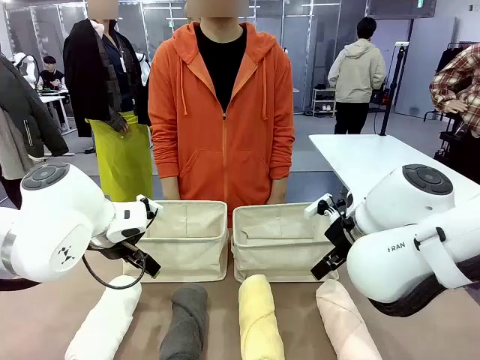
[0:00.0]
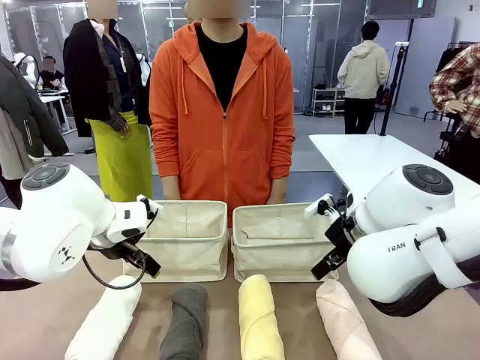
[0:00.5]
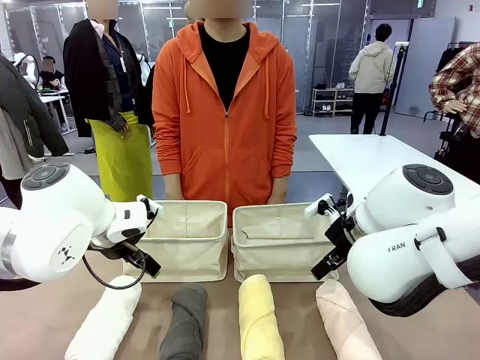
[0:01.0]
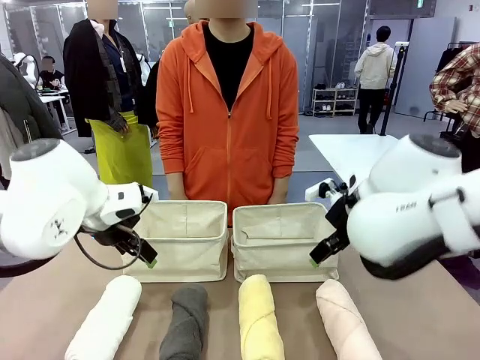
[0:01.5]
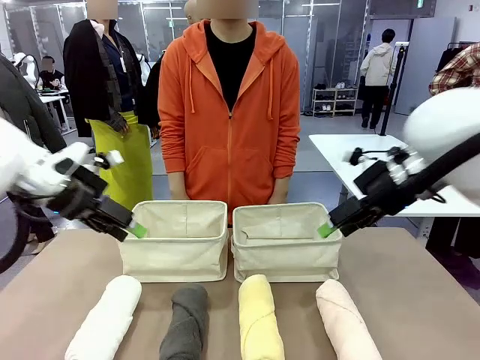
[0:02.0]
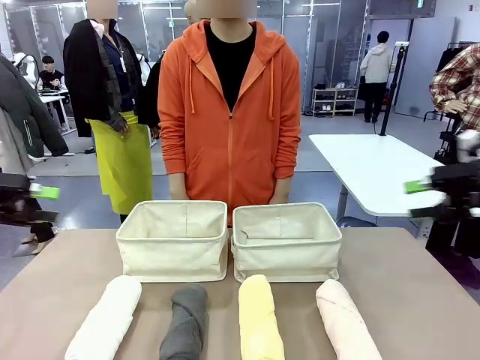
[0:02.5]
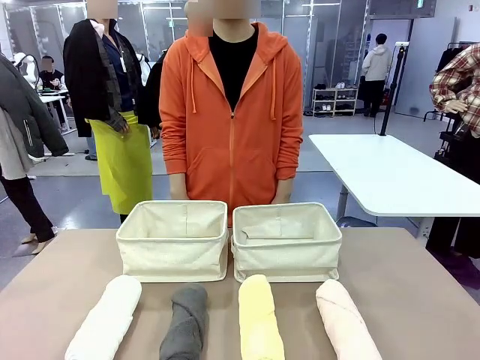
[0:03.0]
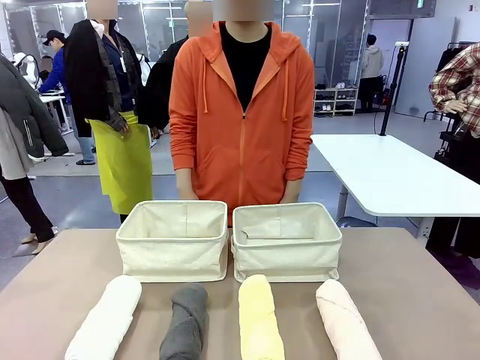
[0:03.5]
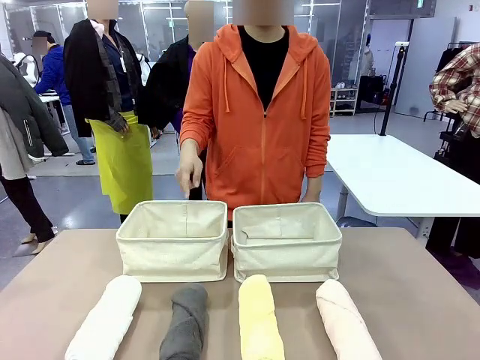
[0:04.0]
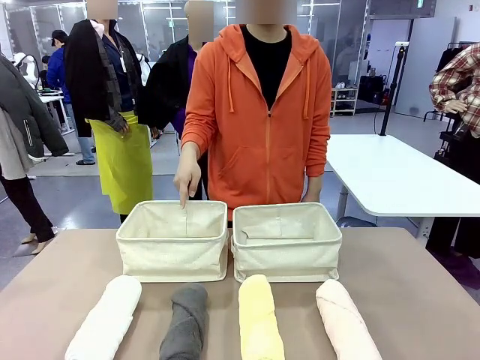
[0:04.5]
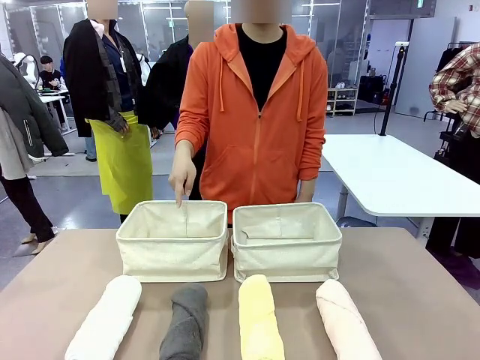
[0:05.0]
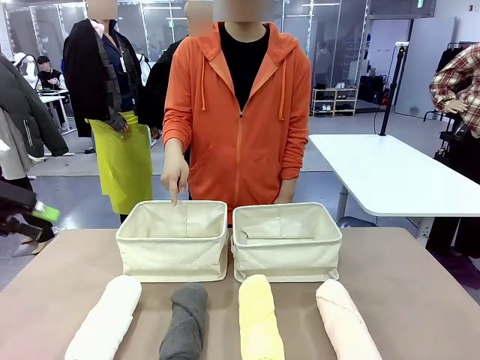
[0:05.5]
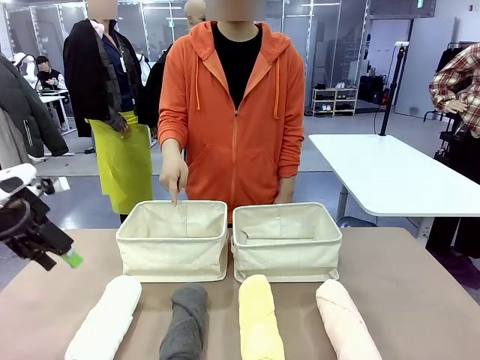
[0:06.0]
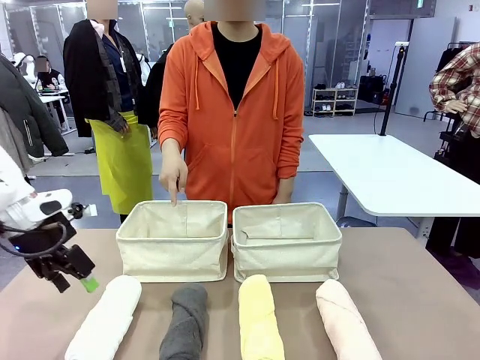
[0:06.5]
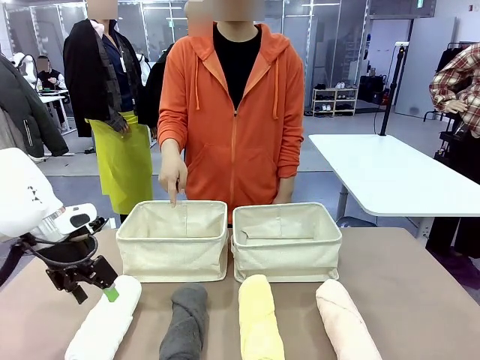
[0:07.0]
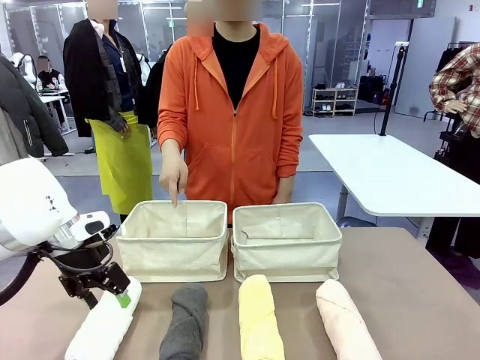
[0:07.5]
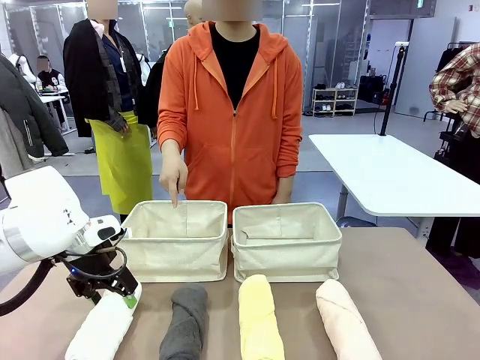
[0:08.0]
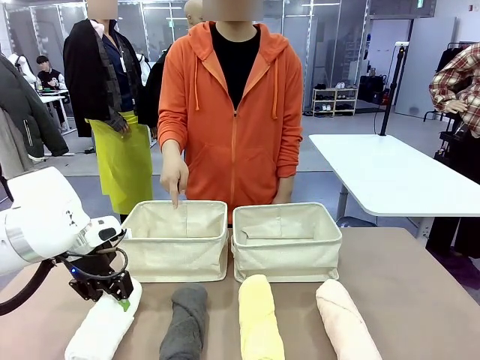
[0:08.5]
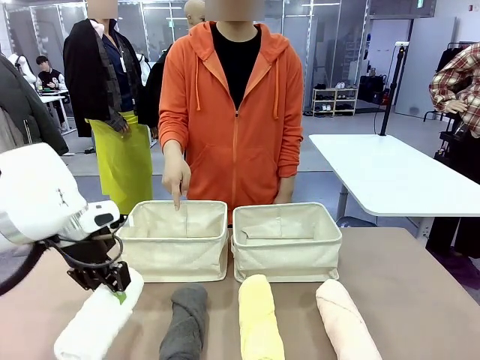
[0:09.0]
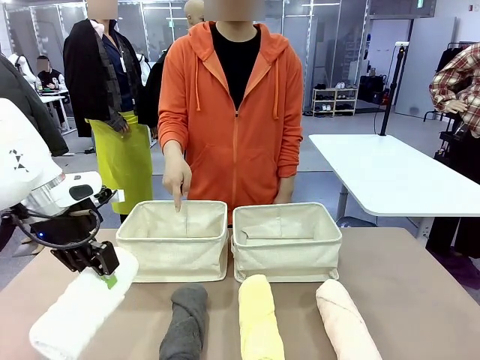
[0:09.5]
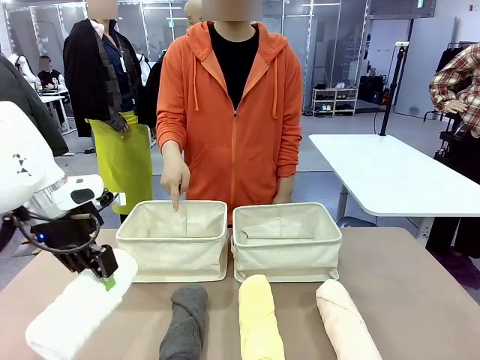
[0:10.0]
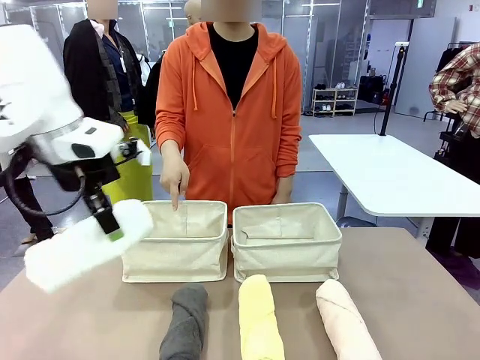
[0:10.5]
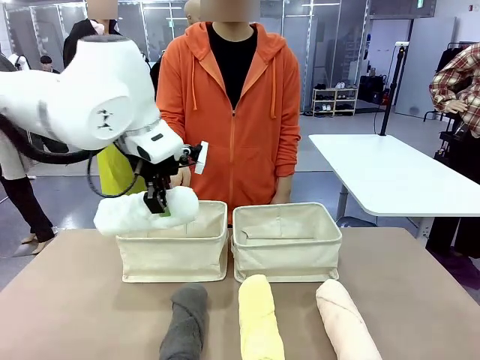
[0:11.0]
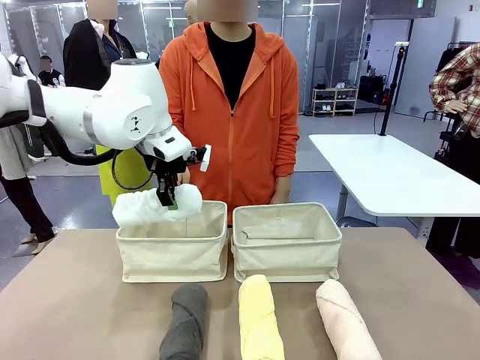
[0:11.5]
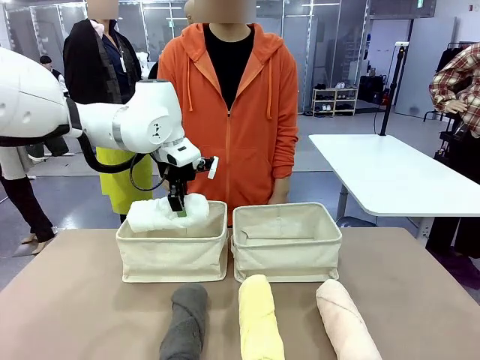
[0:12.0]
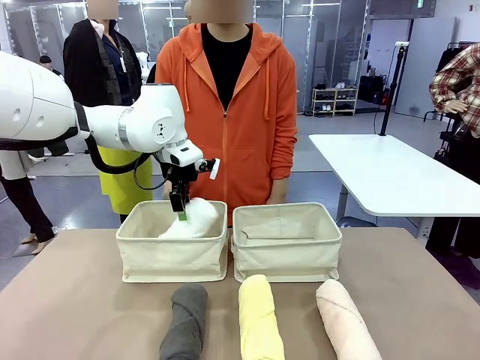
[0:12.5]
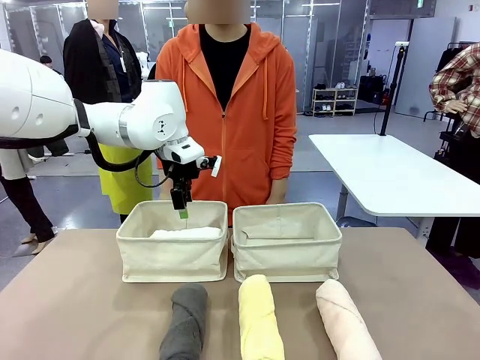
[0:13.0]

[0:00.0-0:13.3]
Task: Divide the towels into two baskets.
Robot: Pick up one hotel-folded towel and place it in the Fabric basket indicated by the person.

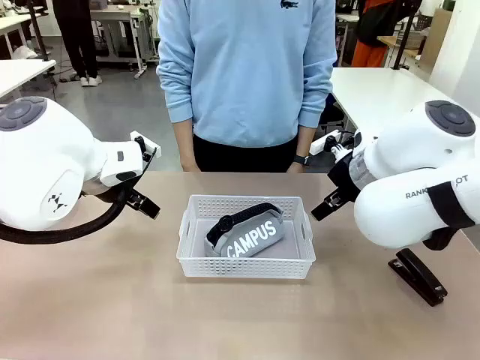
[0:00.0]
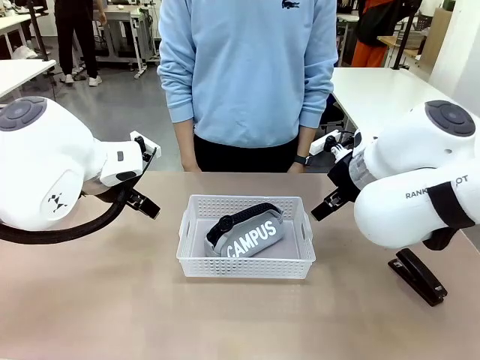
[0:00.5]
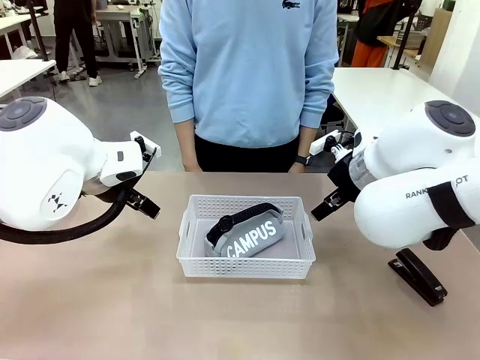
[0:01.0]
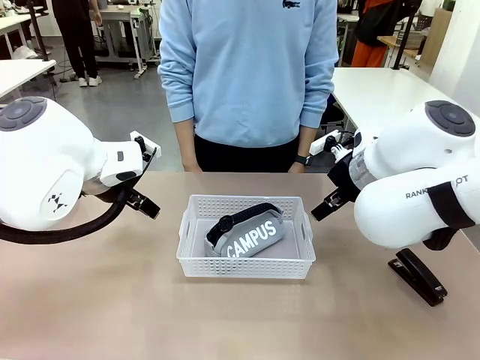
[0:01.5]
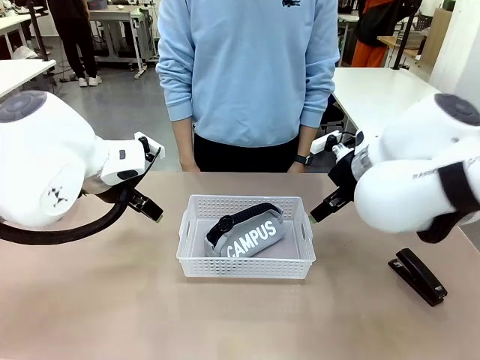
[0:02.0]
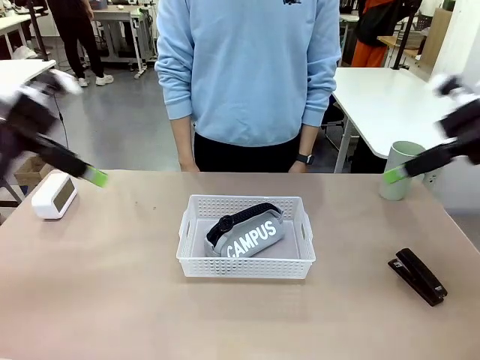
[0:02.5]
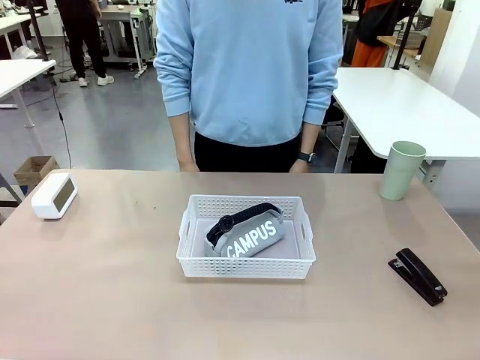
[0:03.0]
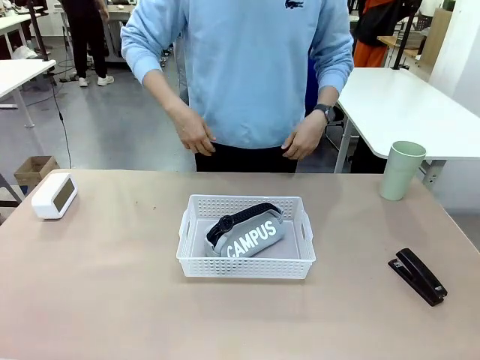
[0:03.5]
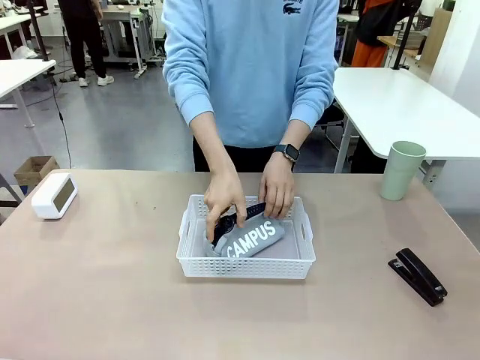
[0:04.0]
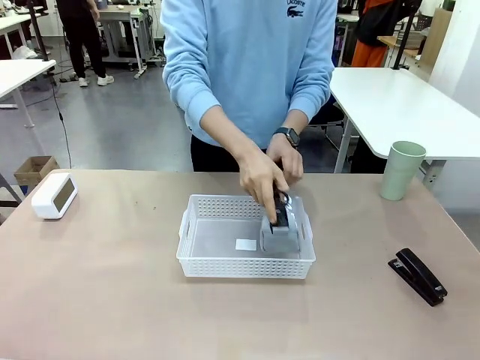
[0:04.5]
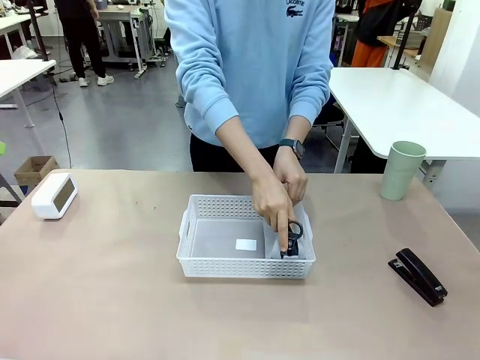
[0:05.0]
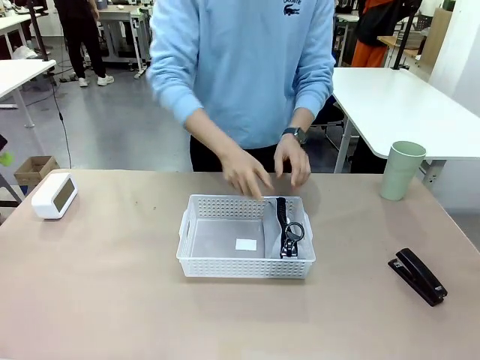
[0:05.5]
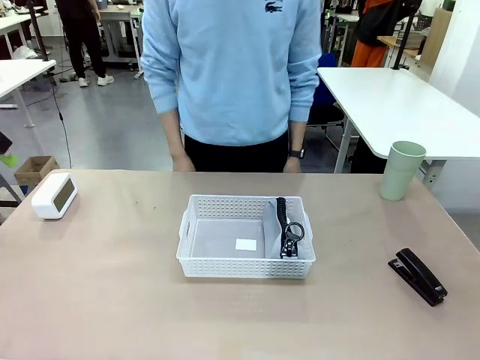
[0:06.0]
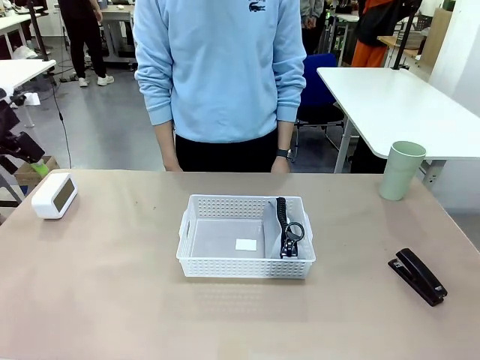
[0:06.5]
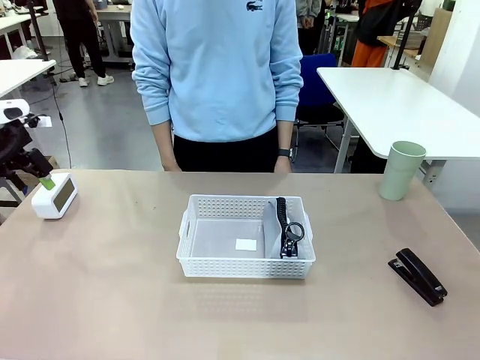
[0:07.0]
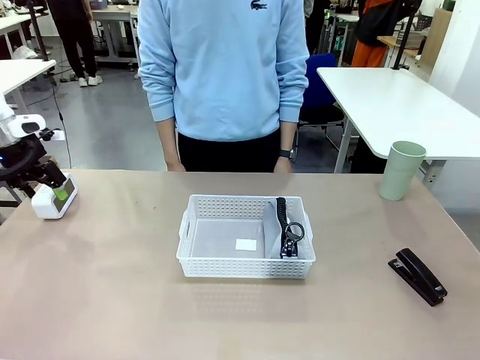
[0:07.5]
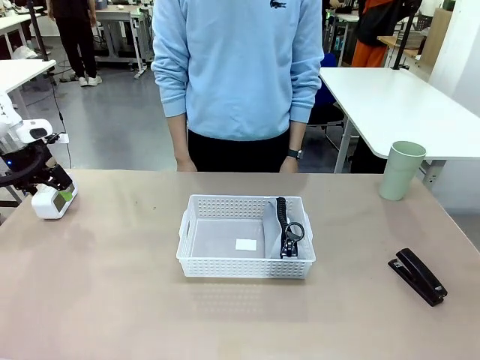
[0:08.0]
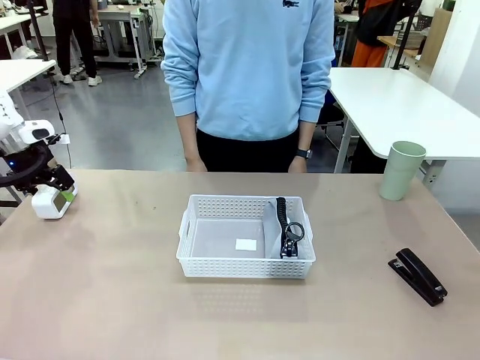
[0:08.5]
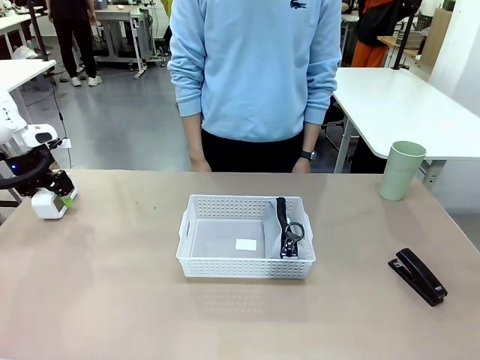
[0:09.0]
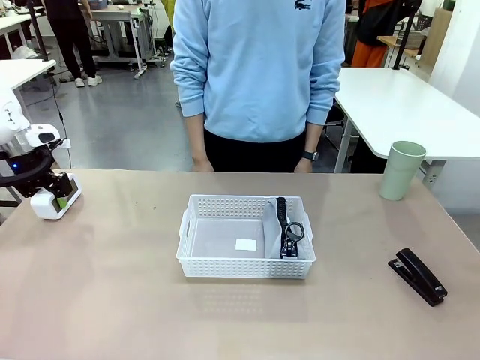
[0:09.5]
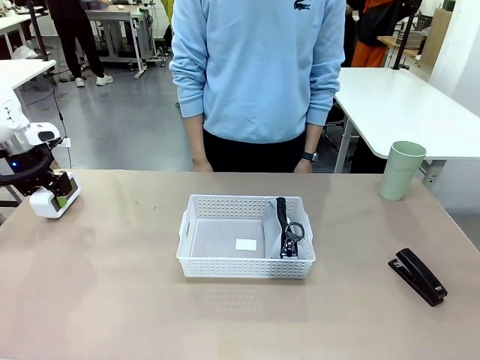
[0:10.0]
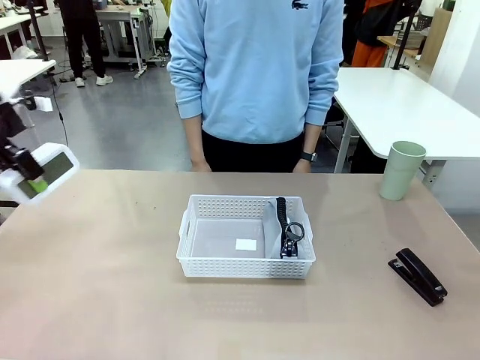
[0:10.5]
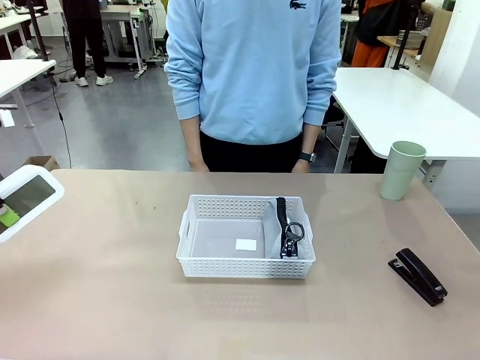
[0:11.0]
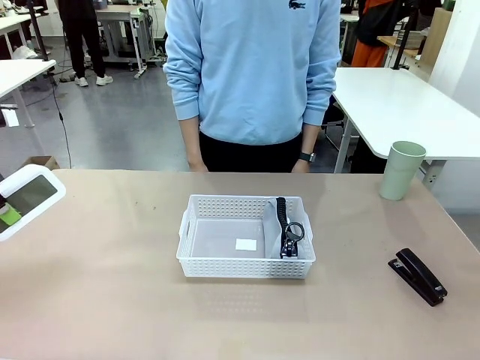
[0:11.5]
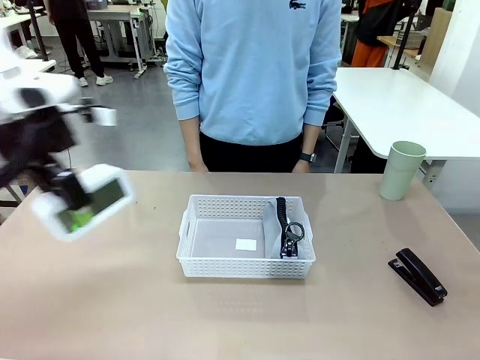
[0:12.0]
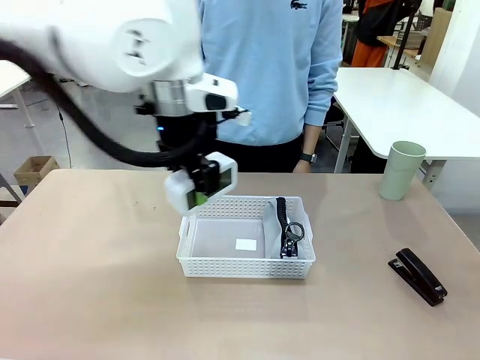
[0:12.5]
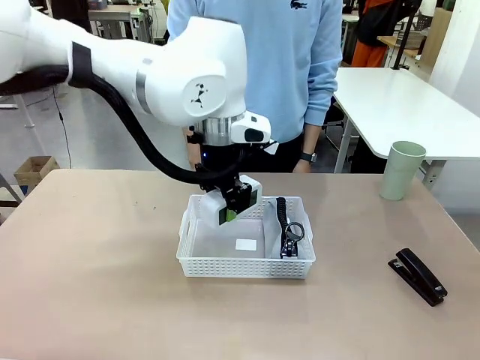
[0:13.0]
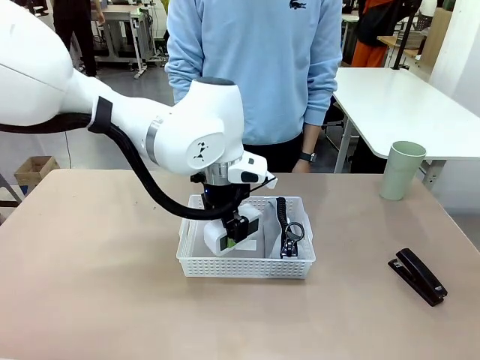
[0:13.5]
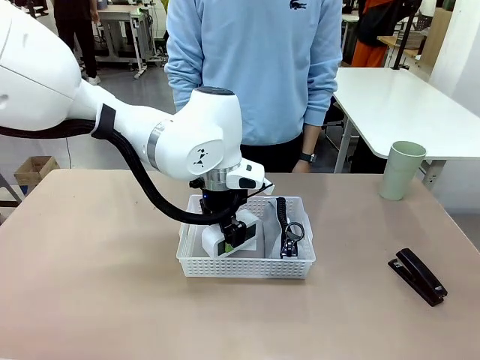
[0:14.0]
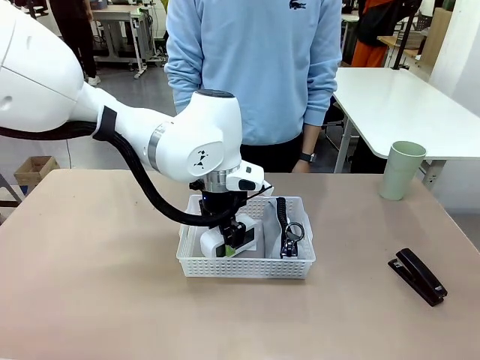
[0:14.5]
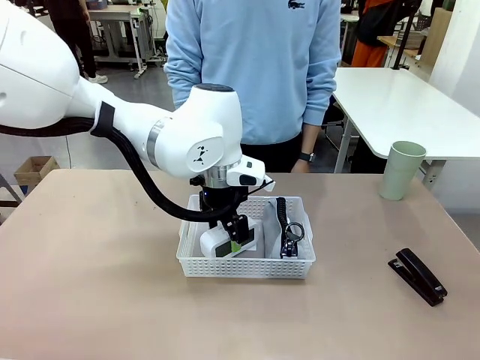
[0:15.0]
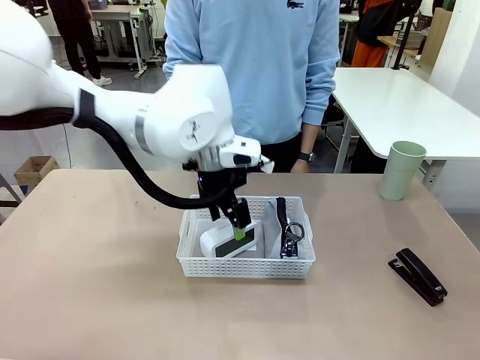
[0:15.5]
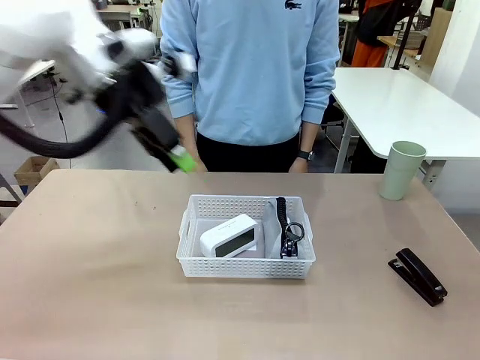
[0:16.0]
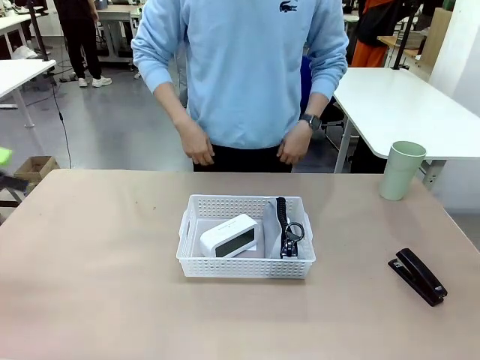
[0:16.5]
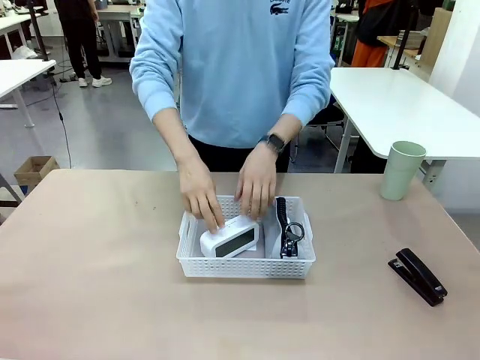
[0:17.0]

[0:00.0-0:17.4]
Task: Efficiently arrange items inside the basket to fit them all.
Robot: Pick up the Digital clock and place it inside the Organizing basket.
Person: Repositions the pencil case. Repositions the digital clock.
